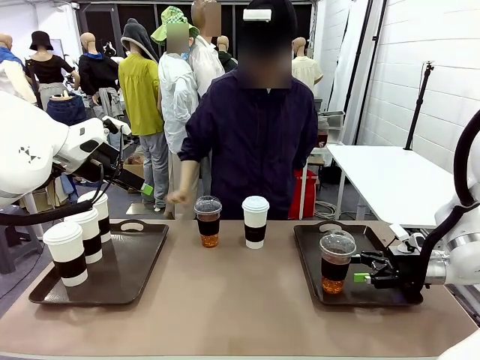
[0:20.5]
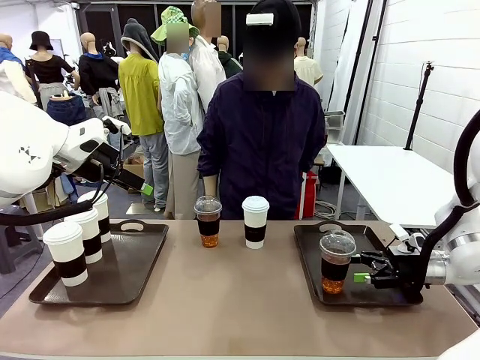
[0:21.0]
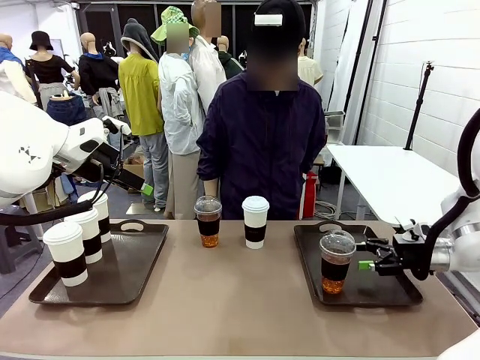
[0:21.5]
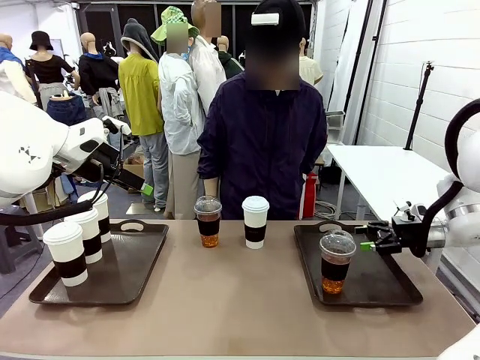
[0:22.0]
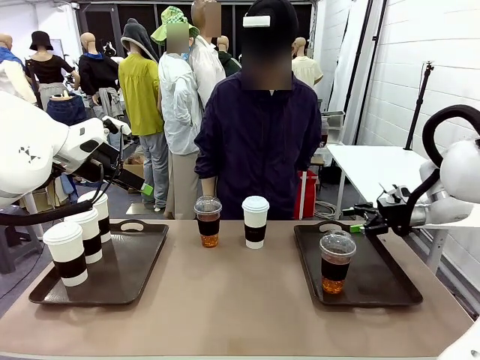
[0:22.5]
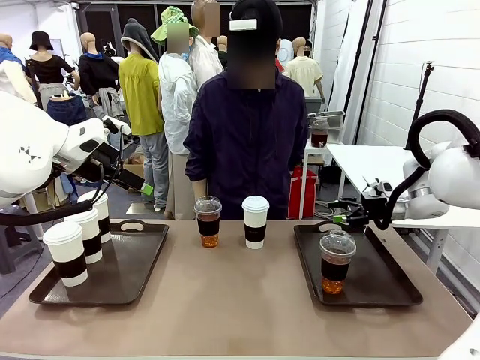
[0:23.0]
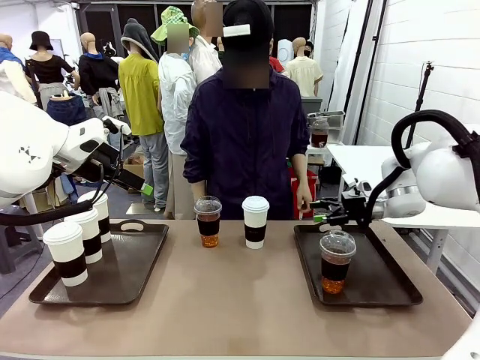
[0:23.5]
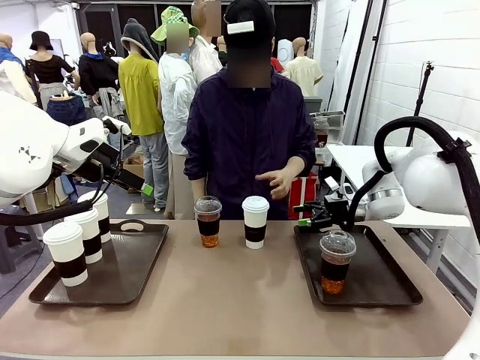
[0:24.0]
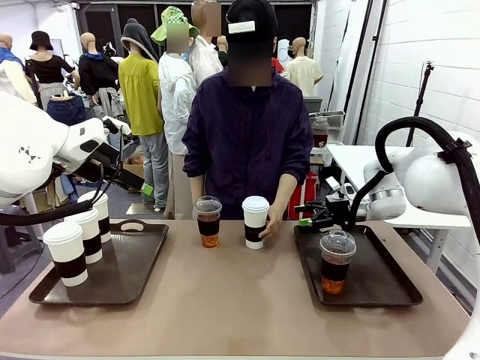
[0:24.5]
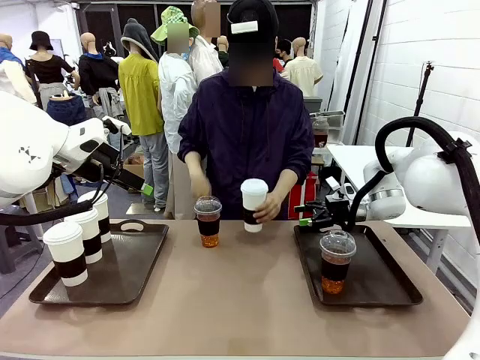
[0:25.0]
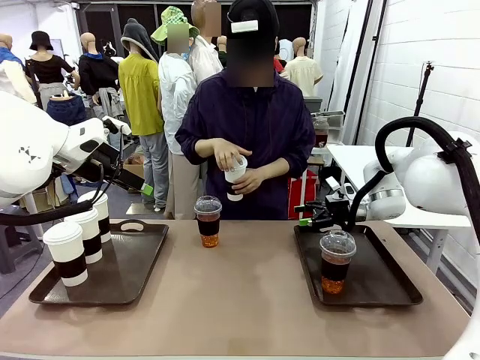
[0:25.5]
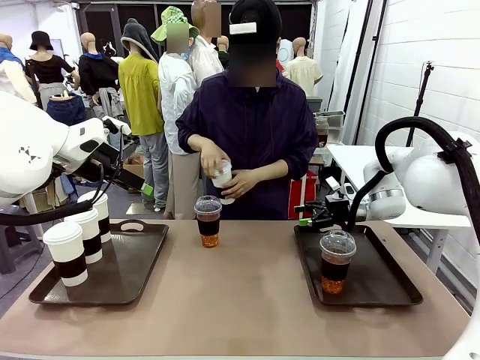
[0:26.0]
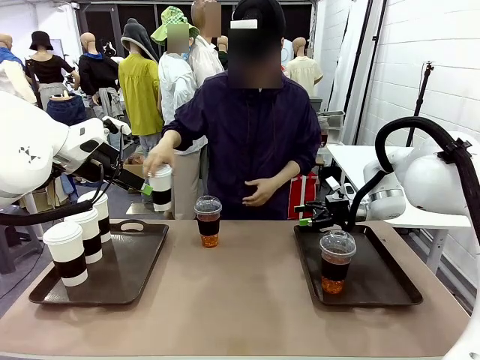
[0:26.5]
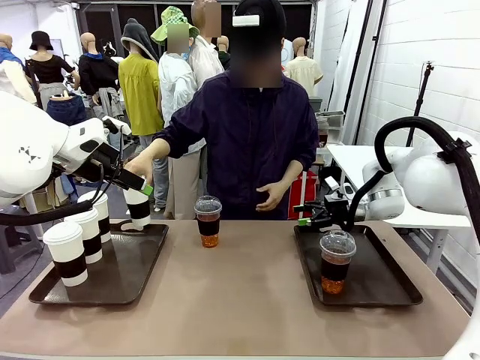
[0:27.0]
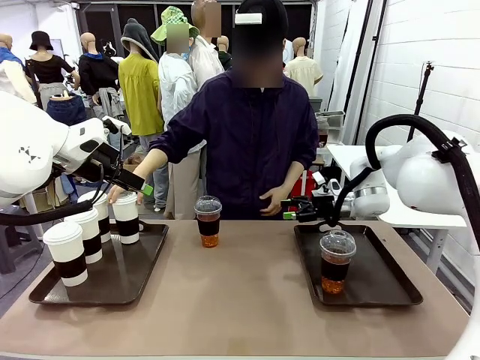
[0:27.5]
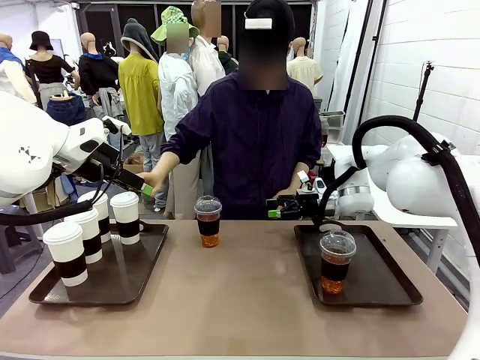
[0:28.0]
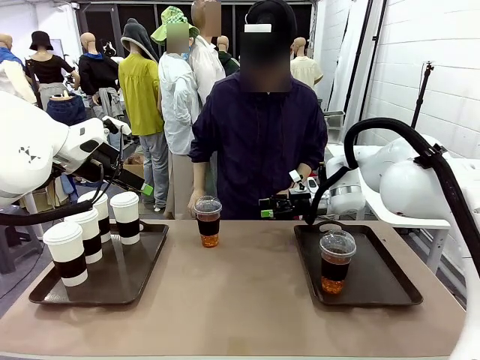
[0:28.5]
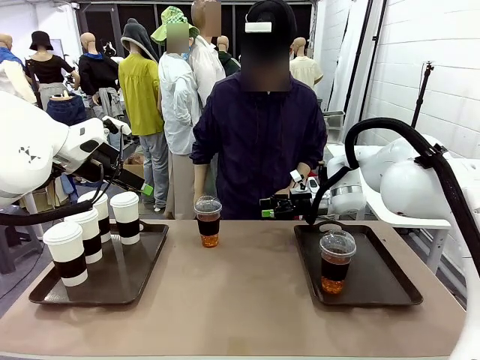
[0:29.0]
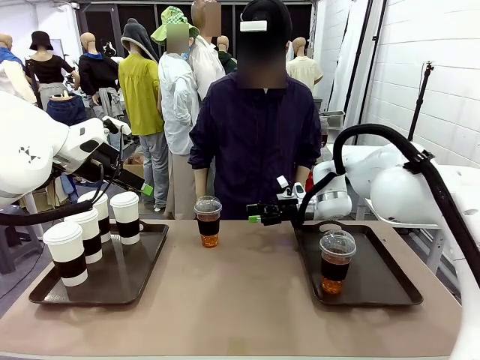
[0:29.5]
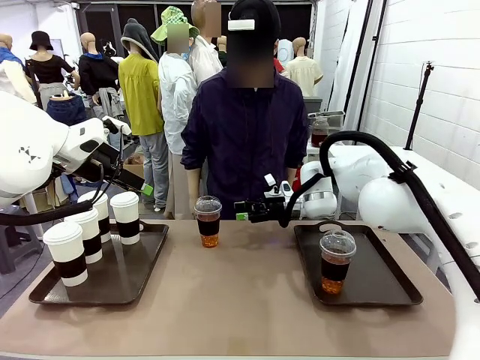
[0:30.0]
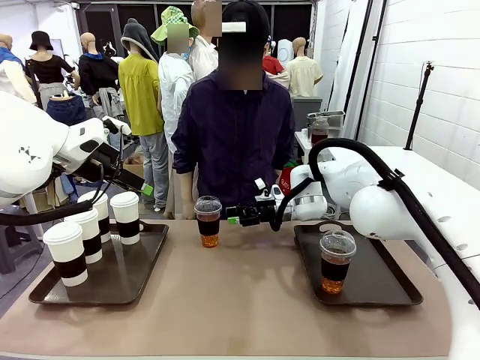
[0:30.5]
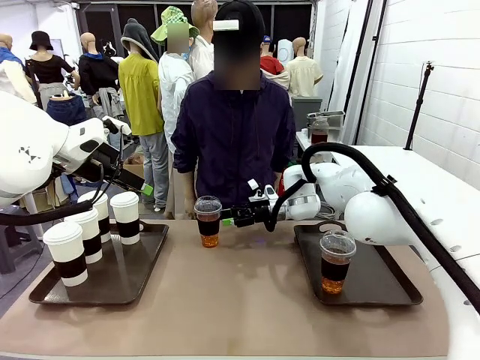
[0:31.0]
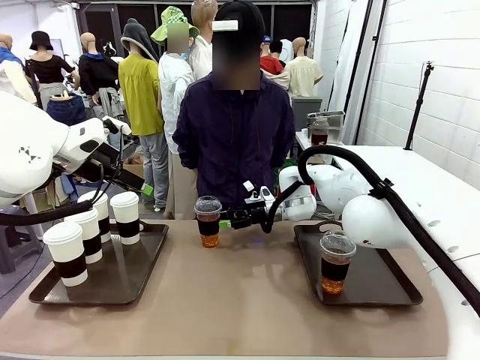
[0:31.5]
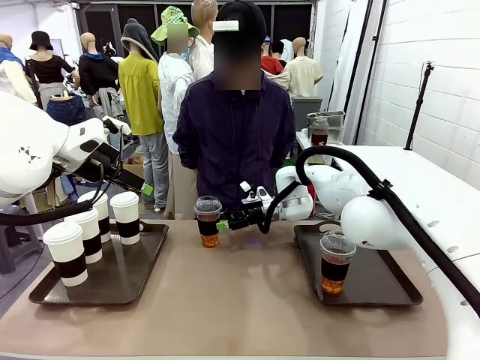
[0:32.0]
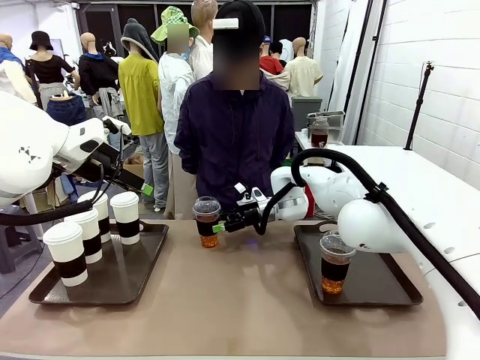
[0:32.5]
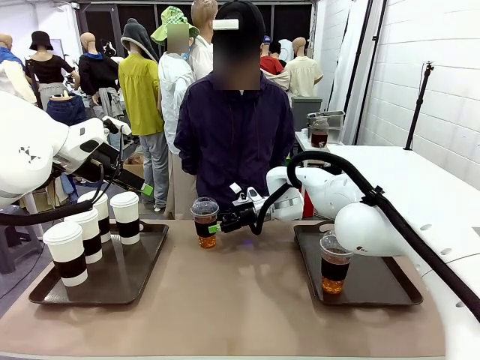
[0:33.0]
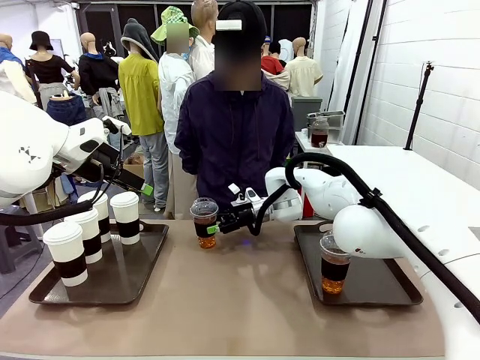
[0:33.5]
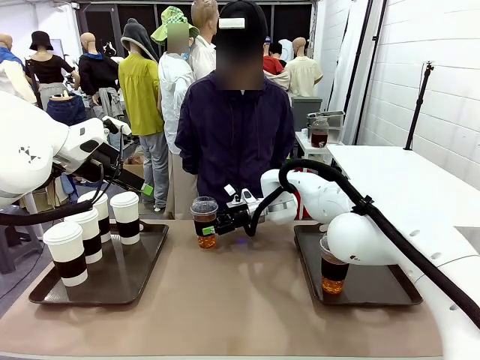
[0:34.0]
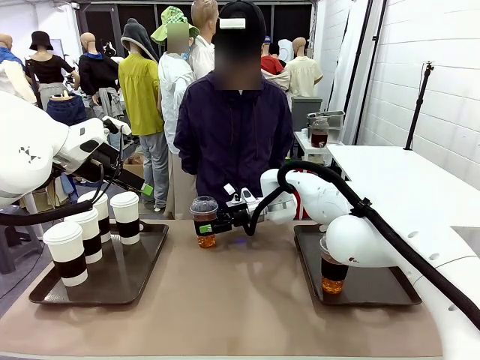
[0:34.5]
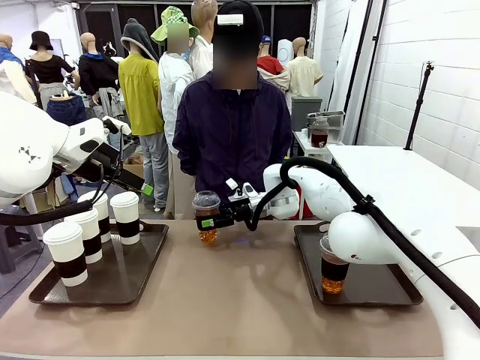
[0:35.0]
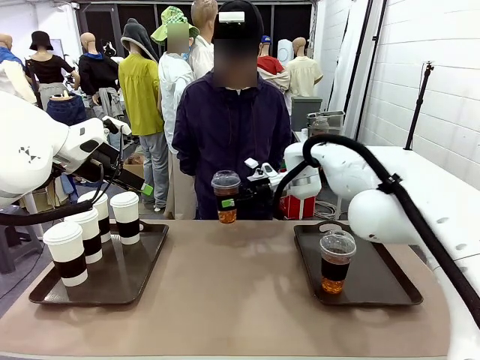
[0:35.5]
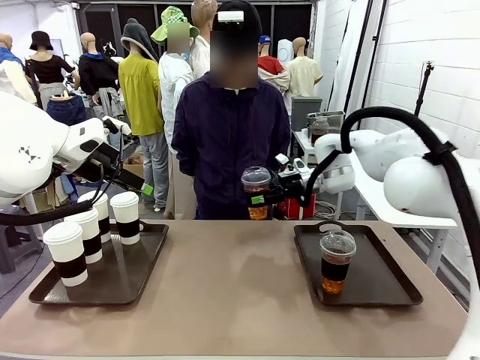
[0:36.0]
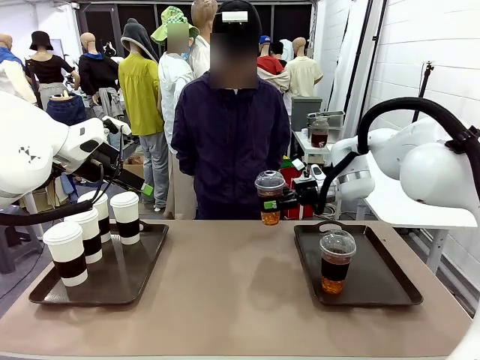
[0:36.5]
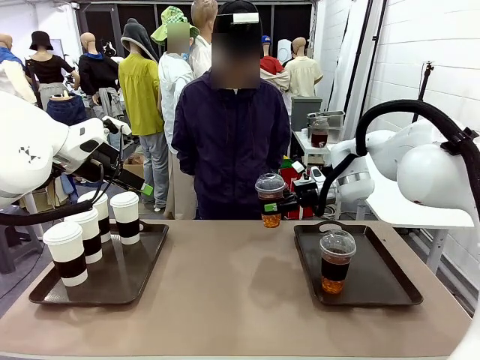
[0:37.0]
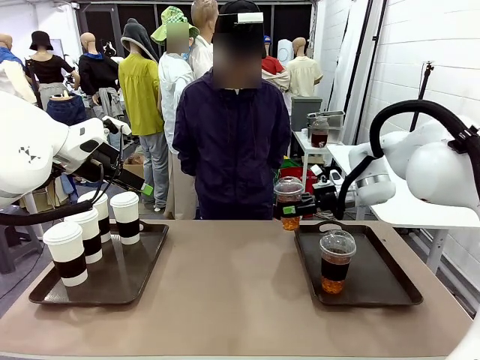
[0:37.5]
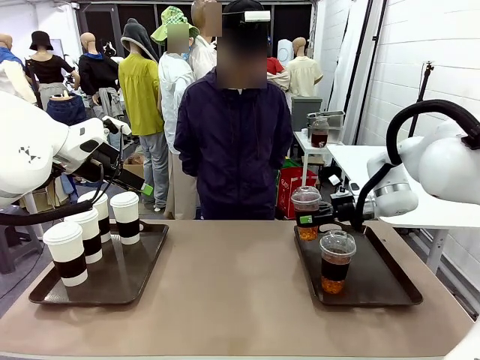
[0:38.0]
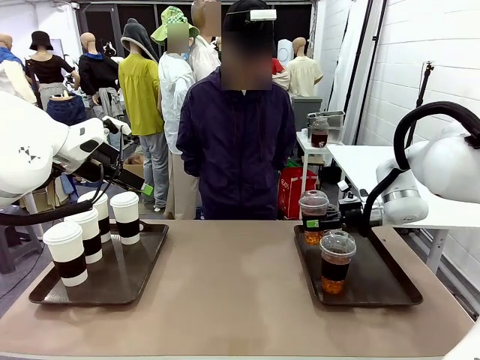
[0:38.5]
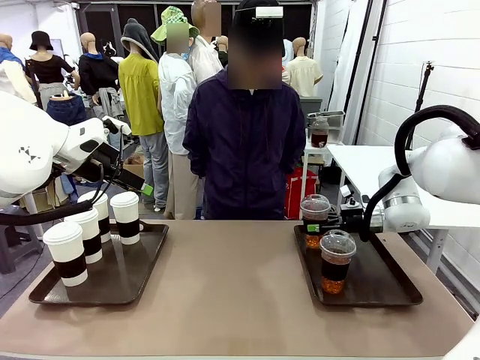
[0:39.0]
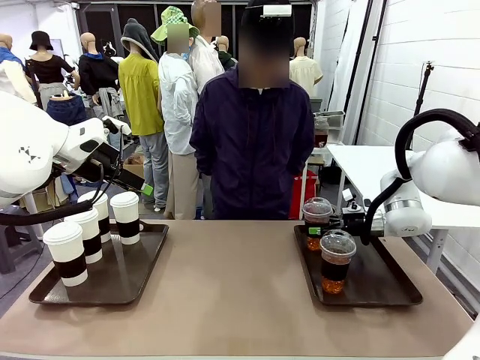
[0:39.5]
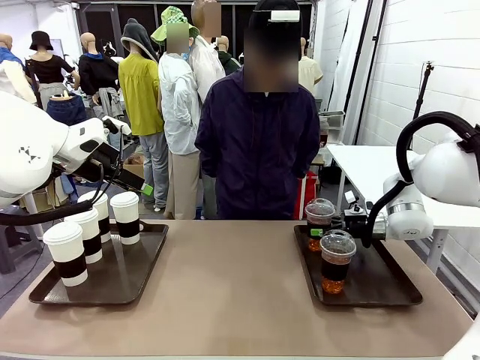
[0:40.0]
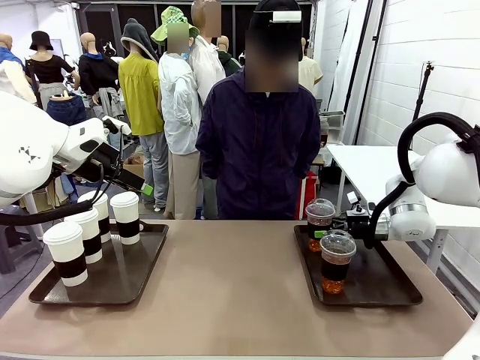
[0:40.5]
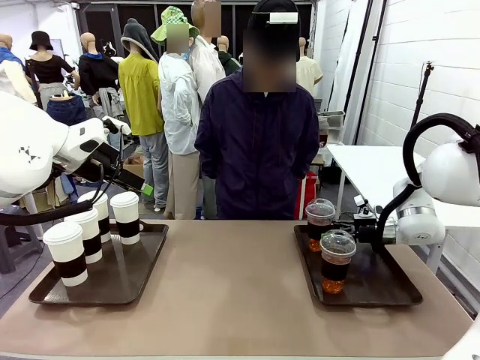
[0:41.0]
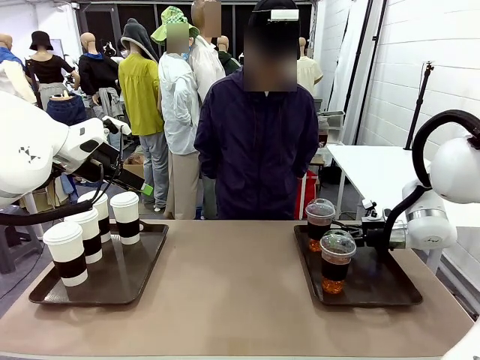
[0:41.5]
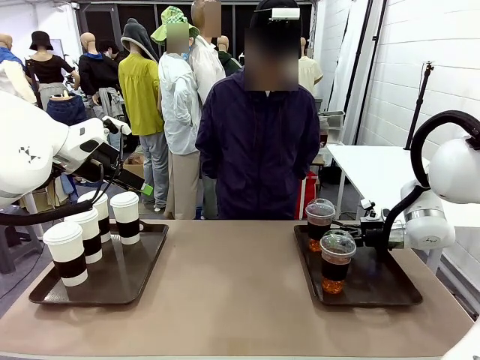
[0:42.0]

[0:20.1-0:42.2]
Task: Distribute the coffee onto the tray.
Robot: Pick up another iced Americano from the middle of the table and place it on the right Handle tray.
Person: Pick up a cup of hot Americano from the middle of the table and place it on the right tray.
